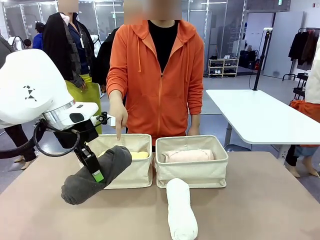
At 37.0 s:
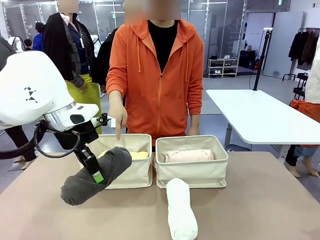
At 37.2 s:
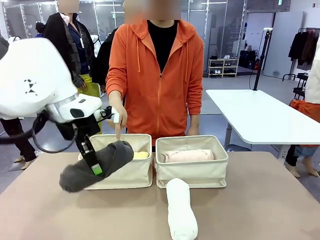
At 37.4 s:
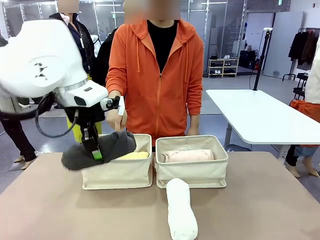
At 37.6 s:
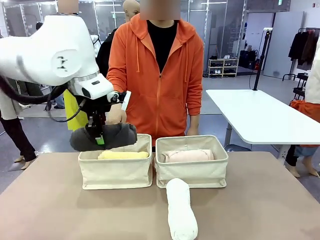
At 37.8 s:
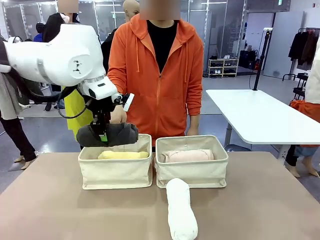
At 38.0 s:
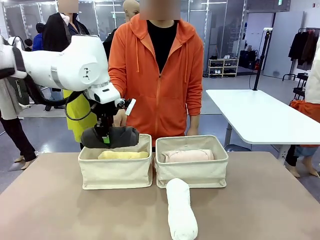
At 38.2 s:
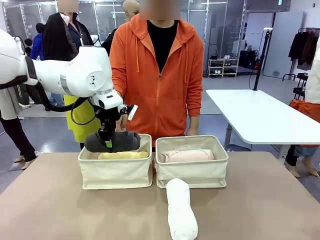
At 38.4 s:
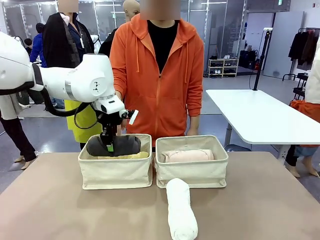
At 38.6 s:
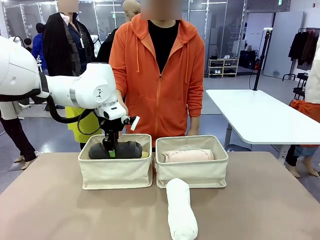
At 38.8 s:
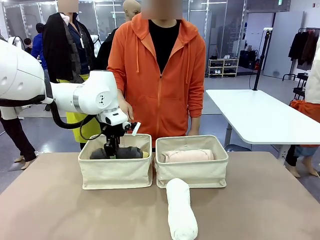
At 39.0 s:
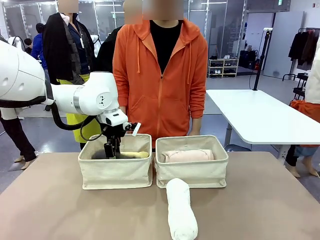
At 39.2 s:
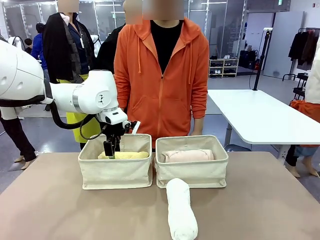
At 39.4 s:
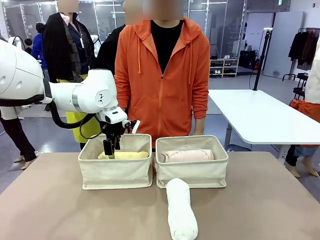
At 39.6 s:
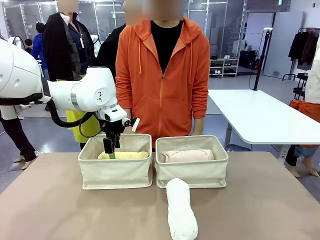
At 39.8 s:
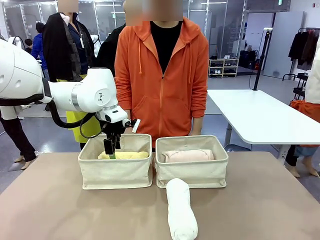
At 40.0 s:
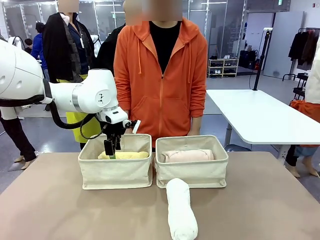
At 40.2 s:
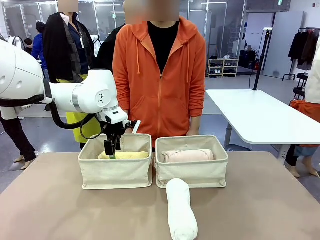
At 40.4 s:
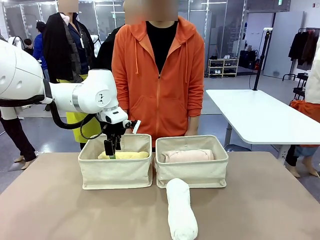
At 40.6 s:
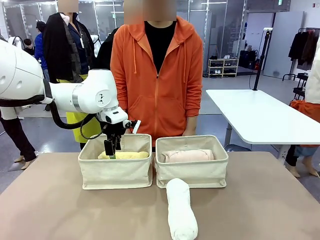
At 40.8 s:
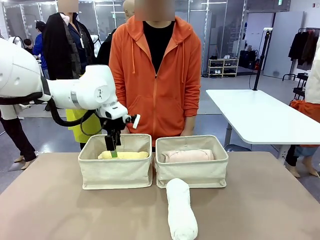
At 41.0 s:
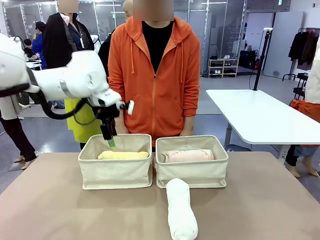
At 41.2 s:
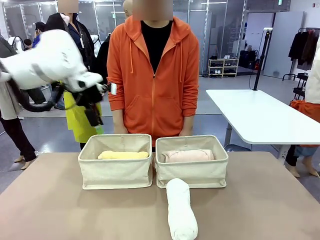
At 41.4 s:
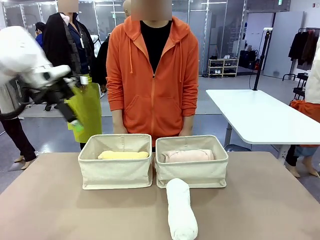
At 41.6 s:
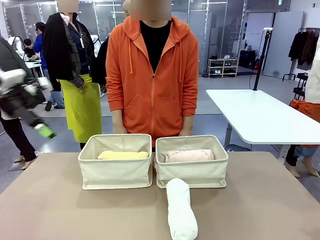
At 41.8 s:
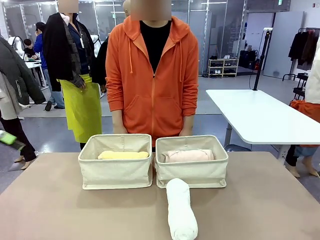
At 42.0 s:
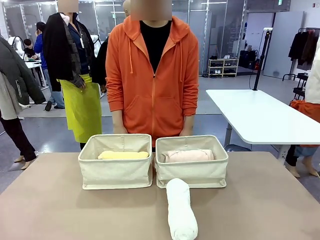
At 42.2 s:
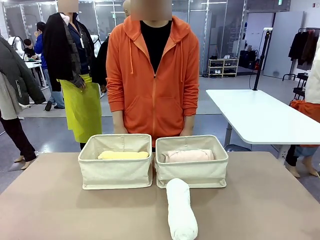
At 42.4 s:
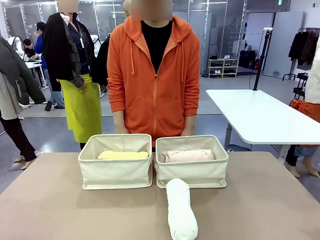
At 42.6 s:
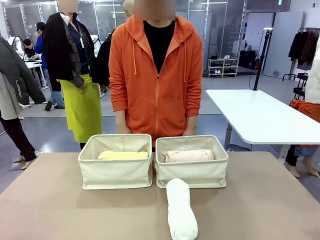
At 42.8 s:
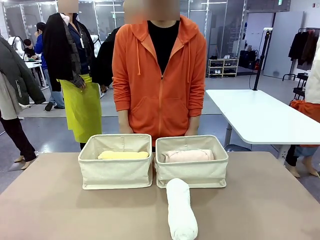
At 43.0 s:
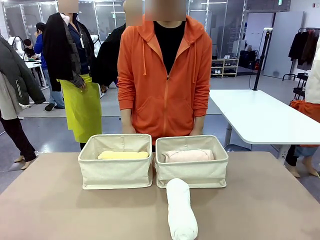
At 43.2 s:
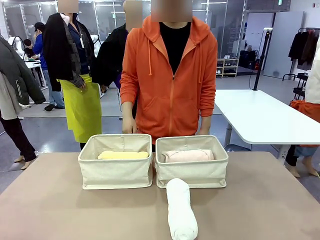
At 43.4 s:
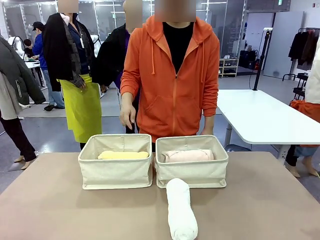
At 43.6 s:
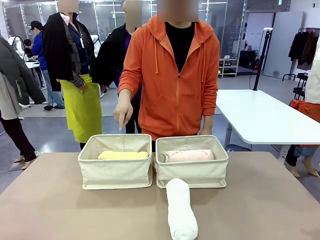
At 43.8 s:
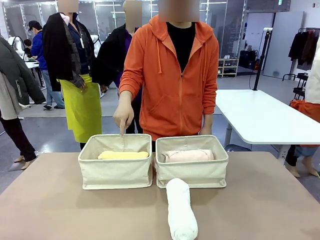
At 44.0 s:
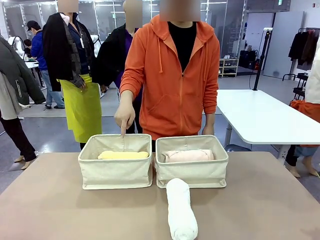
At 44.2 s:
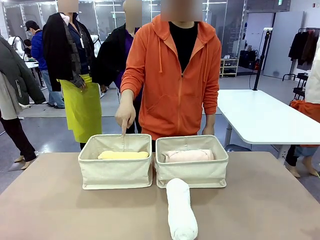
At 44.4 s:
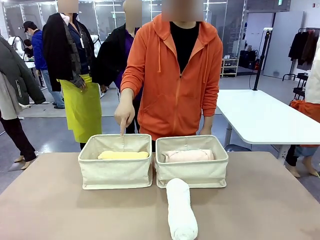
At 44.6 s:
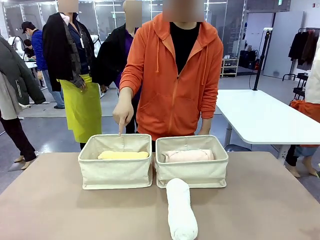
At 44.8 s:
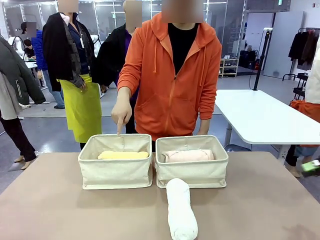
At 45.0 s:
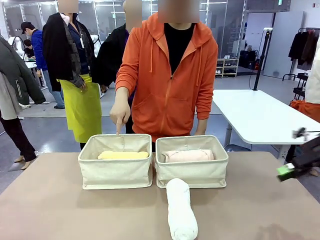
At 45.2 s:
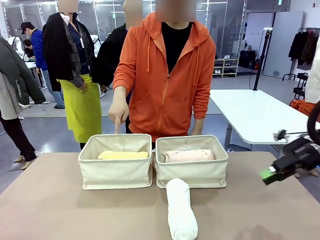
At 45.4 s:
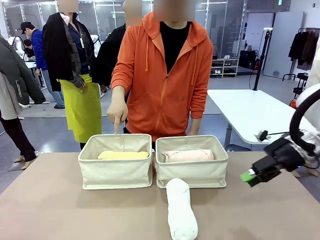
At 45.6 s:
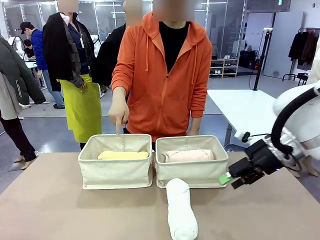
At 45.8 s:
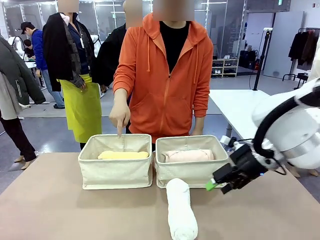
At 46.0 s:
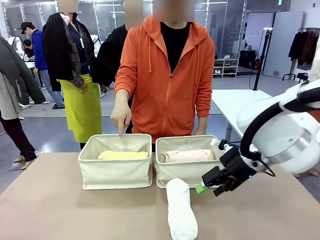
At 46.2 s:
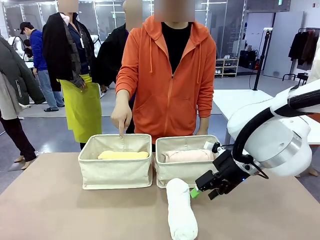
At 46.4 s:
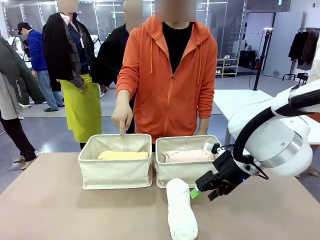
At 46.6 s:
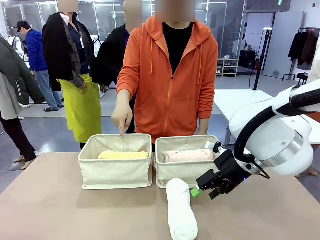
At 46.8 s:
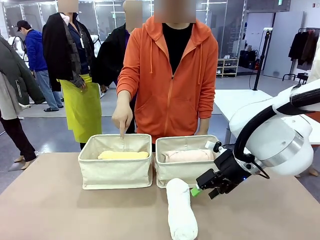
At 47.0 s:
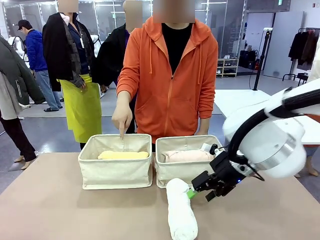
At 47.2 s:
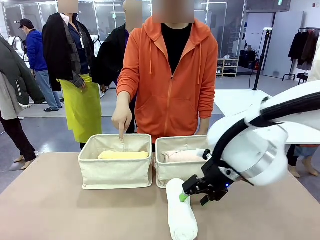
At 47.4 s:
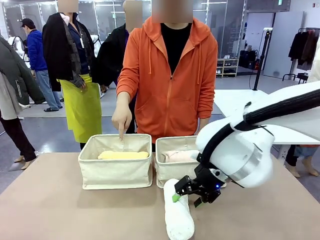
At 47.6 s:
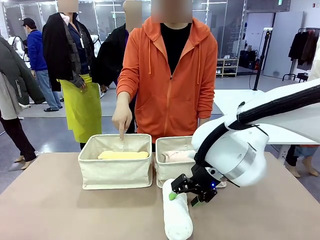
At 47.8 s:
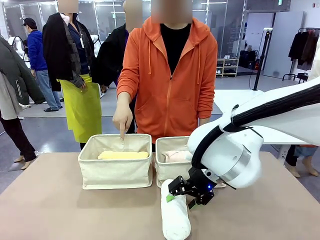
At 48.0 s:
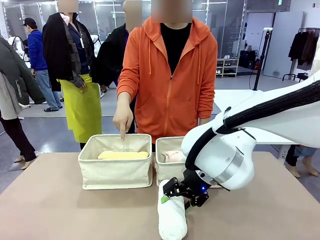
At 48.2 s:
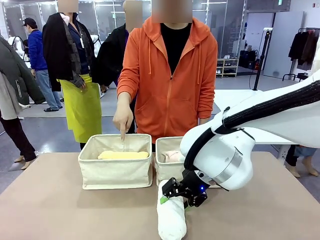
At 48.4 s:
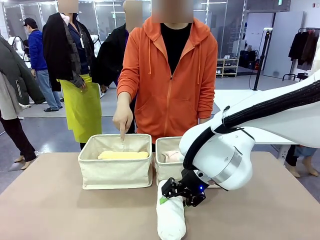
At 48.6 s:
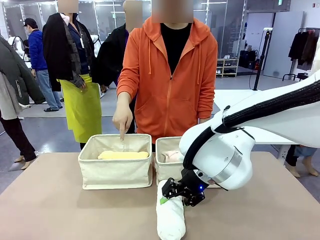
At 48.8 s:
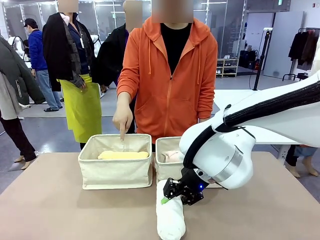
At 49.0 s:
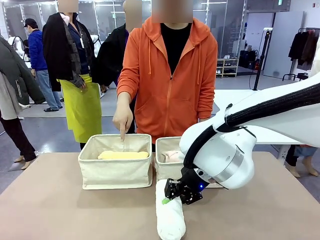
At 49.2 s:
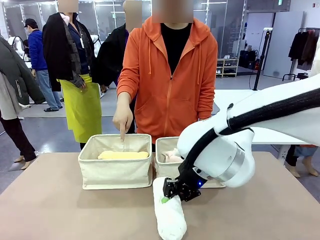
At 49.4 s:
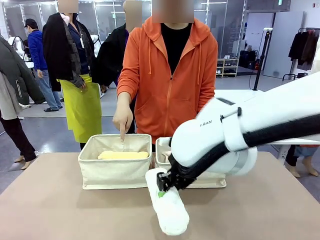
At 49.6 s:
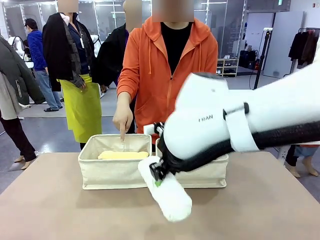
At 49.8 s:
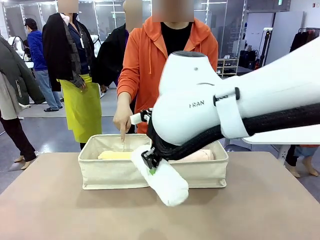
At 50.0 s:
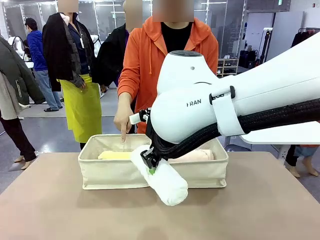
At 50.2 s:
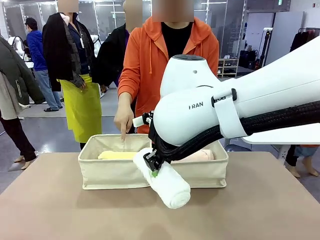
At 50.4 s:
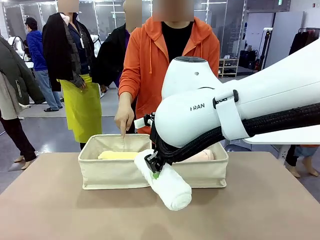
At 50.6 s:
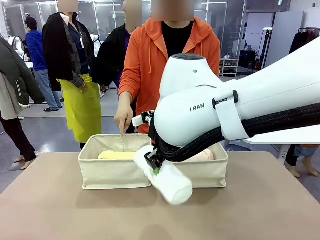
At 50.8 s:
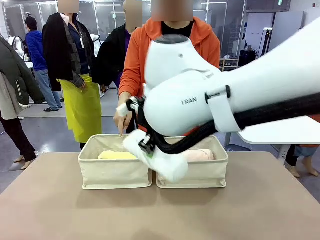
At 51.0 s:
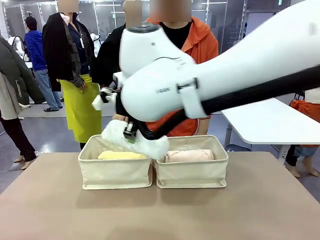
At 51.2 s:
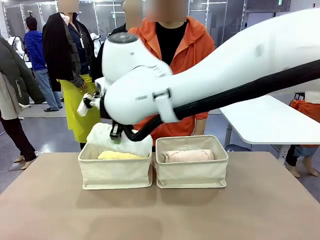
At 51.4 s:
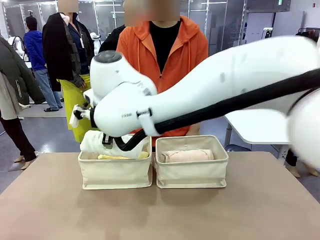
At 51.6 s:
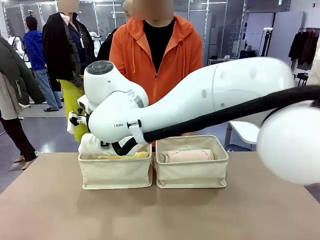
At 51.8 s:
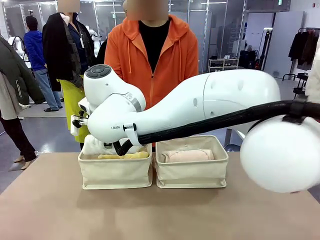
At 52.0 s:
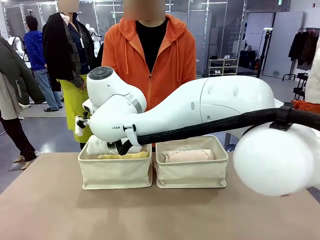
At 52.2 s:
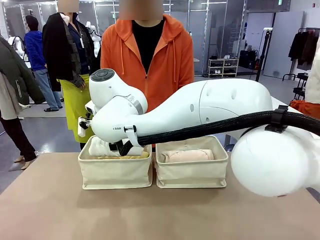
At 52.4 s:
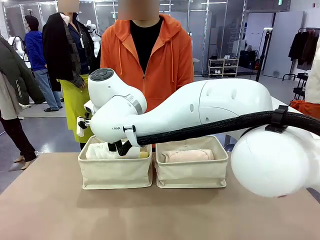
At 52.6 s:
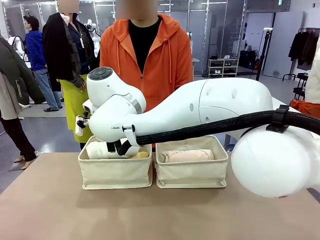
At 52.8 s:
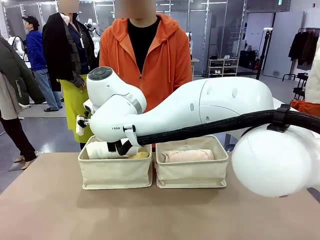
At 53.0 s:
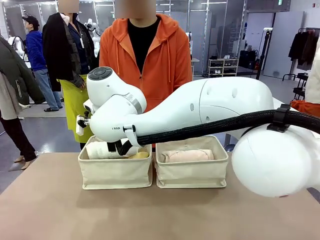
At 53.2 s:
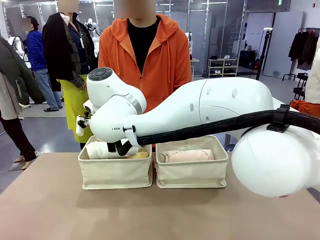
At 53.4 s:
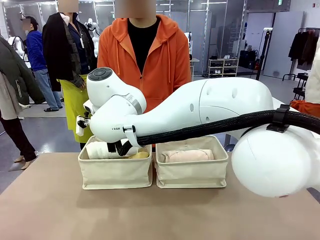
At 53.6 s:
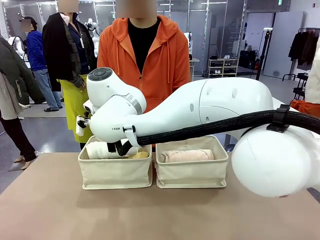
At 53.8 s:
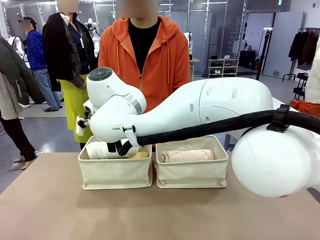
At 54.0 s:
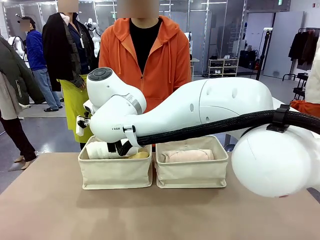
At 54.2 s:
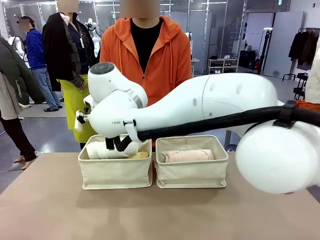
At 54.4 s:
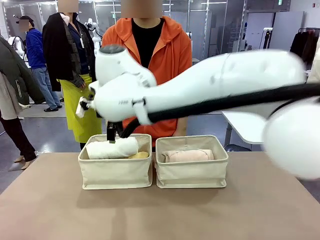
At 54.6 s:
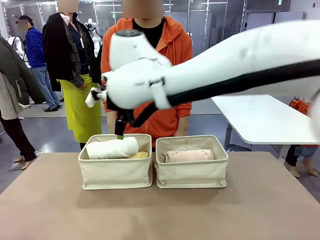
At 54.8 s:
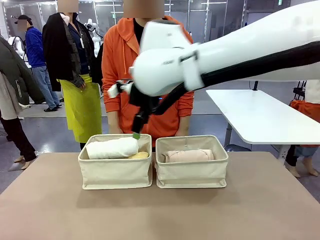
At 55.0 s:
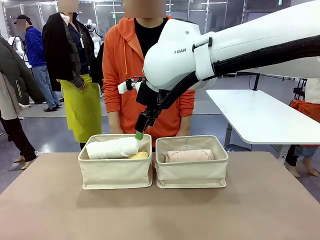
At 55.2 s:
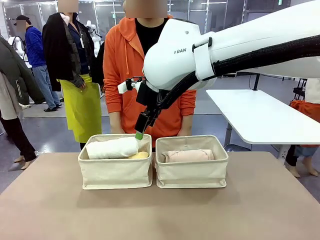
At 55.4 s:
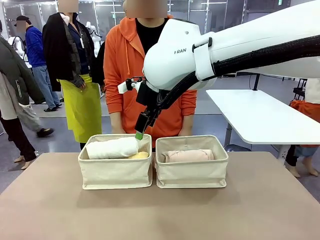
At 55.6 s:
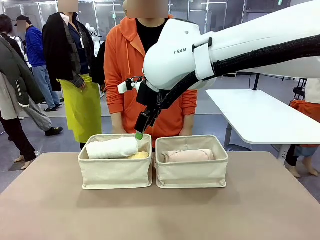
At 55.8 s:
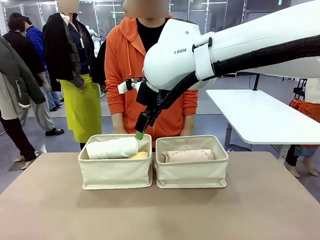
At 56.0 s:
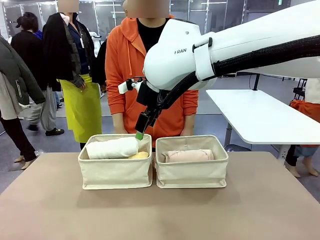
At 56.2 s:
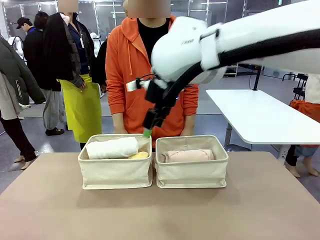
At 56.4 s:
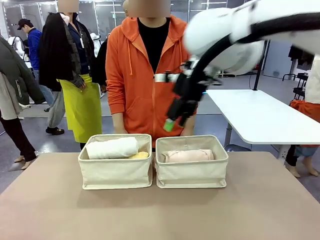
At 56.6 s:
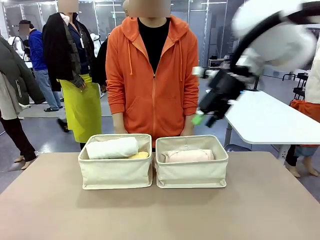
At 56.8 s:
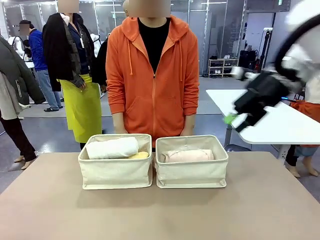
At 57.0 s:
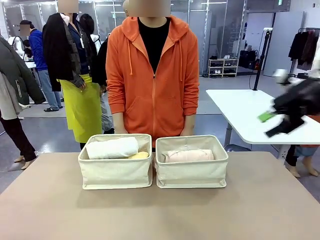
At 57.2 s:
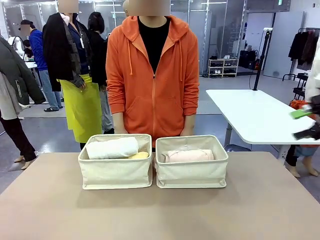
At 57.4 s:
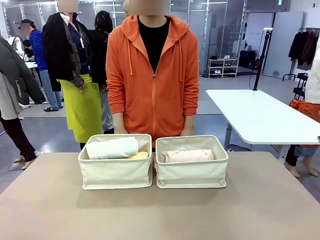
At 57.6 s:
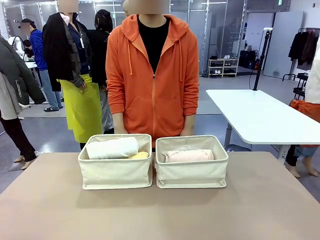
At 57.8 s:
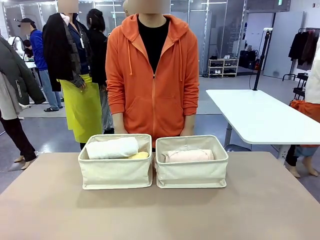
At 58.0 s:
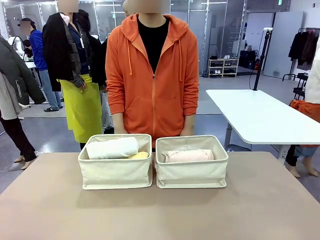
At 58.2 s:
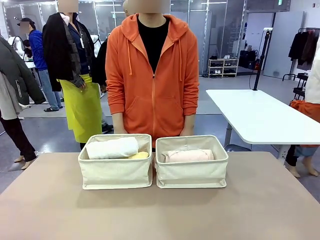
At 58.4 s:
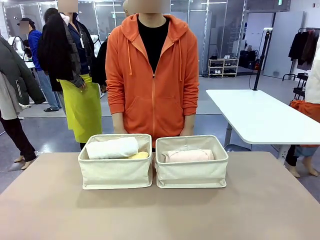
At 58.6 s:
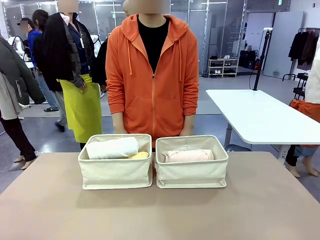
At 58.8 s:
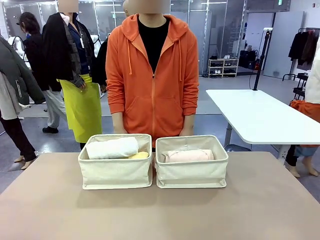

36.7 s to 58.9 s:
Task: Divide the towels into two baskets.
Robot: Pick up one hotel-folded towel from the bottom of the table and place it in the Fabric basket indicated by the person.
